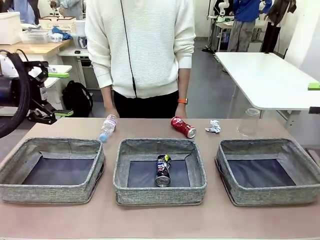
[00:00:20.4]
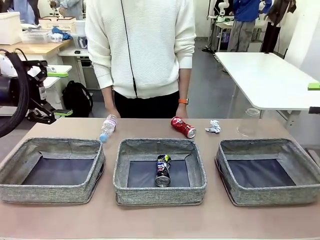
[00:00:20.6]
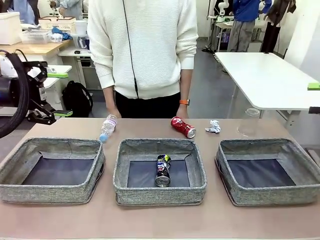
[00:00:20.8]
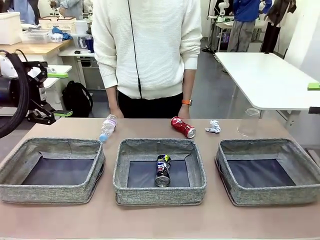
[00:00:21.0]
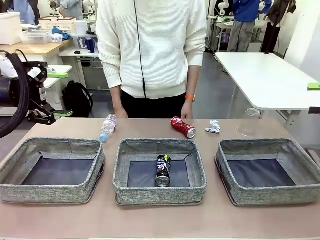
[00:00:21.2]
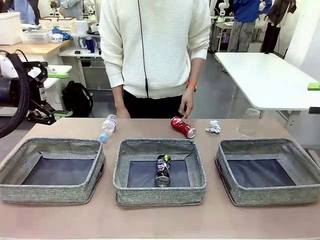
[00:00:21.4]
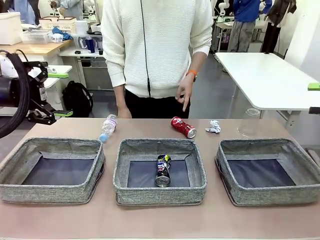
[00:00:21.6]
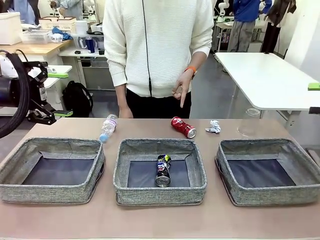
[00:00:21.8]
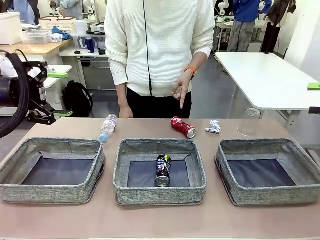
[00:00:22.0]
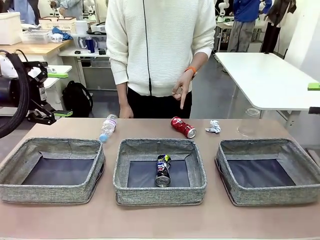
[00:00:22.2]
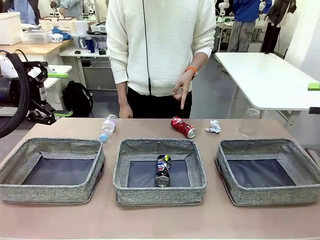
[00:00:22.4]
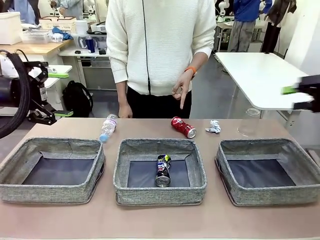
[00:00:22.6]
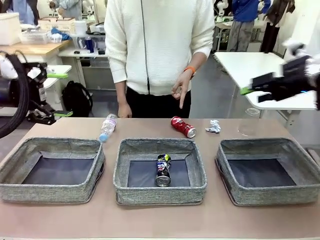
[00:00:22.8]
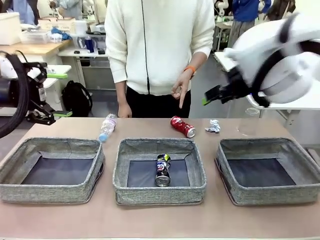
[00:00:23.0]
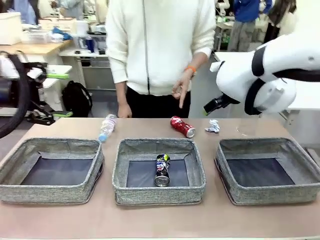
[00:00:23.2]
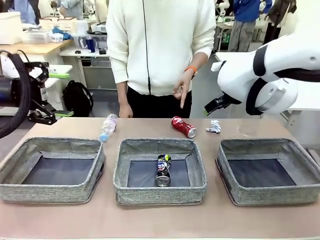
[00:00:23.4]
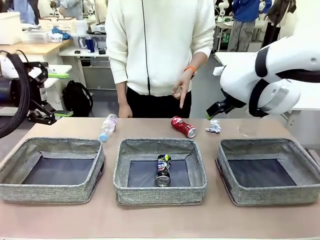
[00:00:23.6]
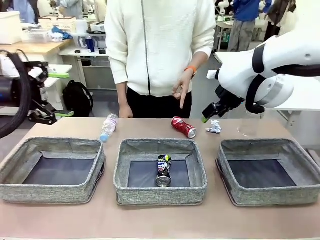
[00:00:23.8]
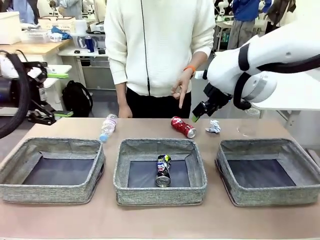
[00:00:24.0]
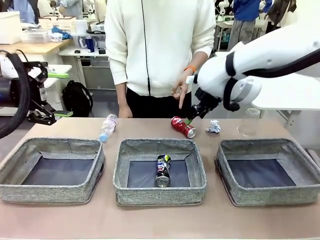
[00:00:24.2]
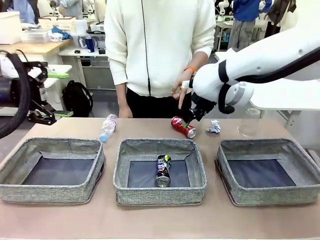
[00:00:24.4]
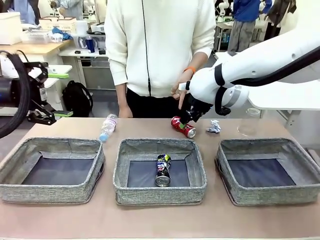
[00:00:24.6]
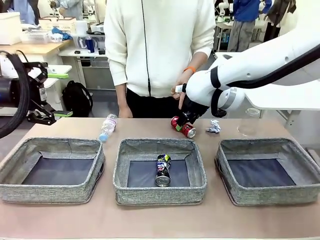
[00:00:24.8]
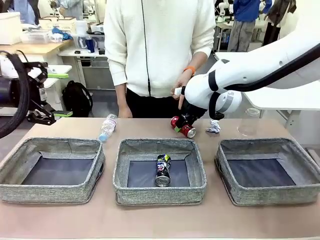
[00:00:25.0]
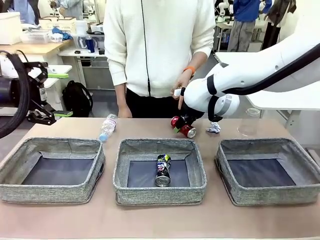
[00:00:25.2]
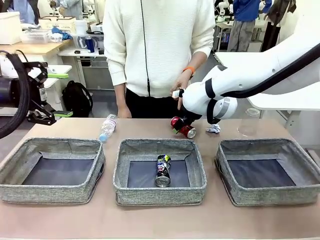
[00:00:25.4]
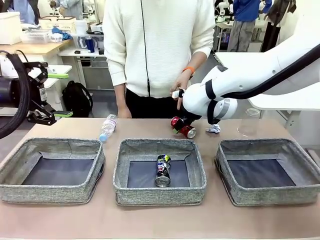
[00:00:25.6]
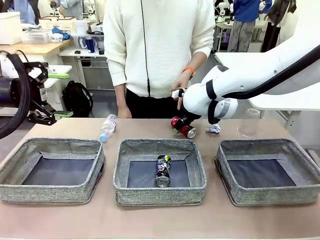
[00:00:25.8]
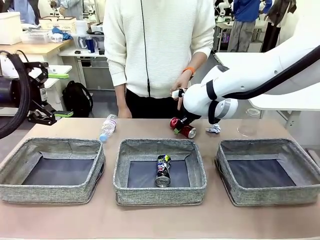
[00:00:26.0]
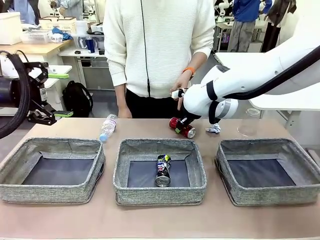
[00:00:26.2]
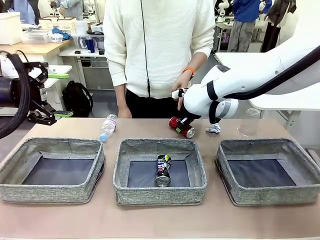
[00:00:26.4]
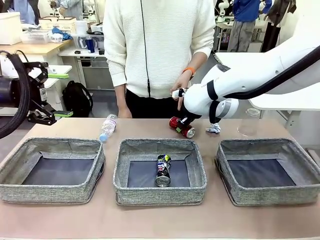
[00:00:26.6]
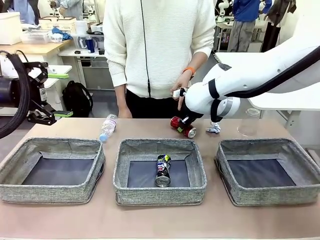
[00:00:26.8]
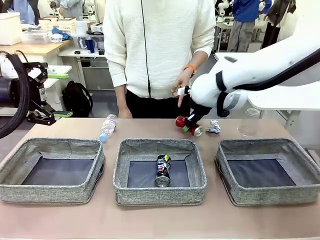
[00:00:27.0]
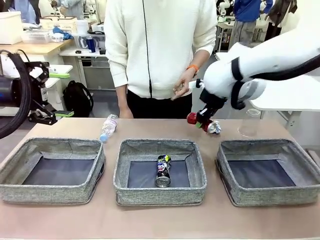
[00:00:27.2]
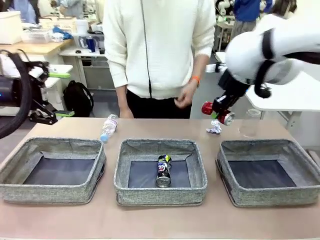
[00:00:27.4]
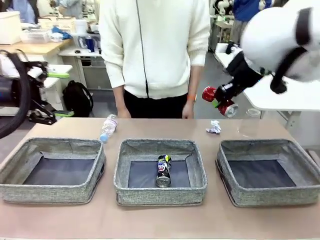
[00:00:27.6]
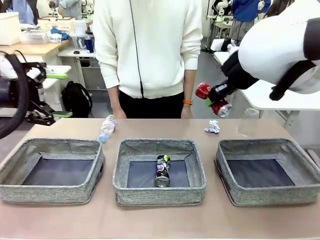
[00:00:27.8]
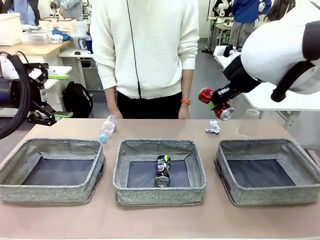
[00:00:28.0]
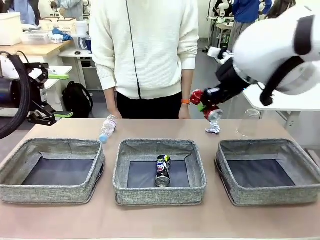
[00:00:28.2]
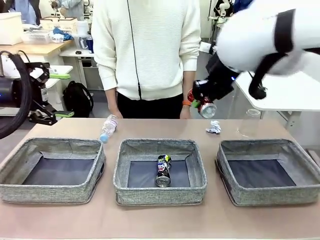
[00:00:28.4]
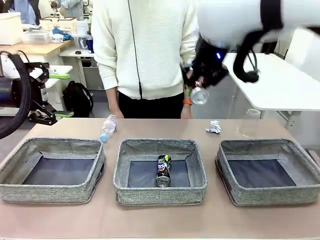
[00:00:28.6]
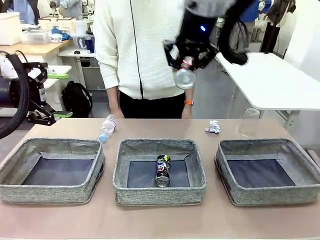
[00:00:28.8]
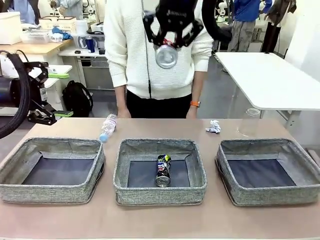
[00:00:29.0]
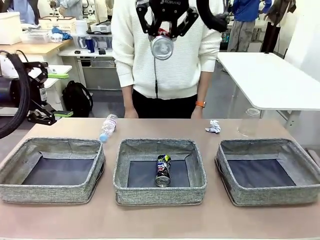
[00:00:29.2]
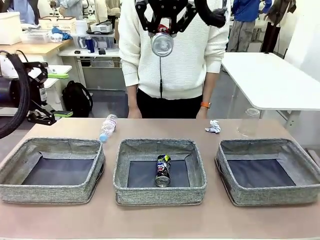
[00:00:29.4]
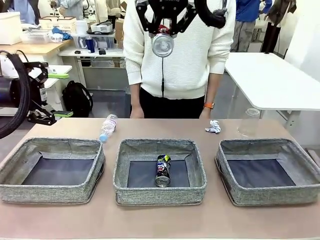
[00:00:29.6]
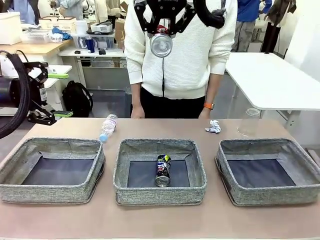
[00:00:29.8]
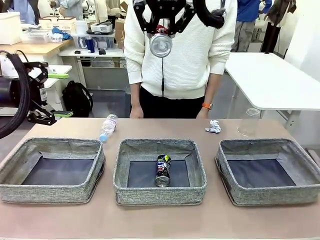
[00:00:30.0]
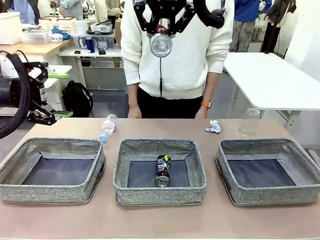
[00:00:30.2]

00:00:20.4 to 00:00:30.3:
Task: Sort the waste into the appropriate baskets.
Robot: Pick up the waste item pointed out by the person.
Person: Points to one piece of trash on the table.

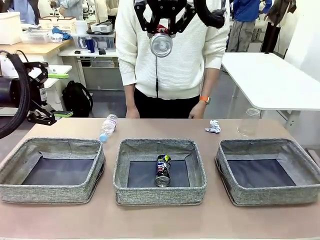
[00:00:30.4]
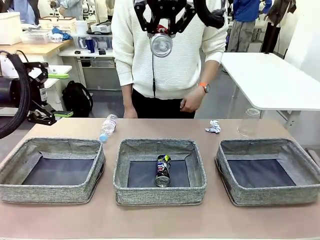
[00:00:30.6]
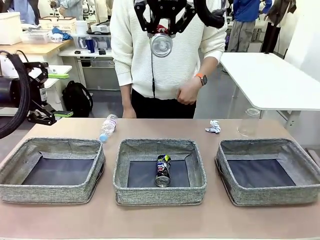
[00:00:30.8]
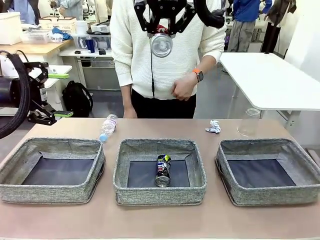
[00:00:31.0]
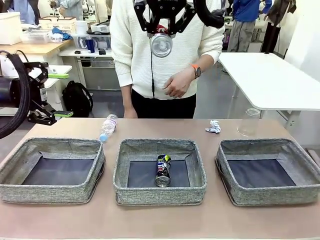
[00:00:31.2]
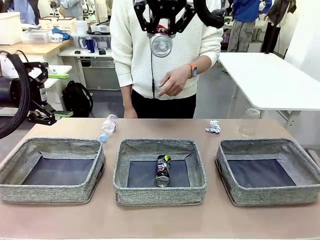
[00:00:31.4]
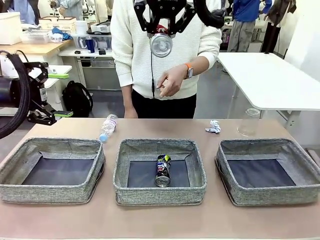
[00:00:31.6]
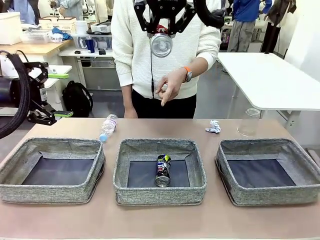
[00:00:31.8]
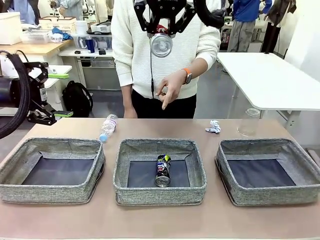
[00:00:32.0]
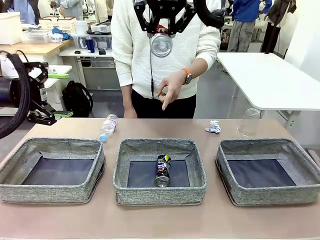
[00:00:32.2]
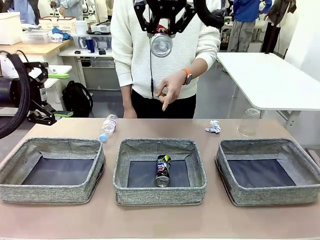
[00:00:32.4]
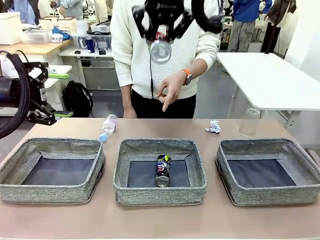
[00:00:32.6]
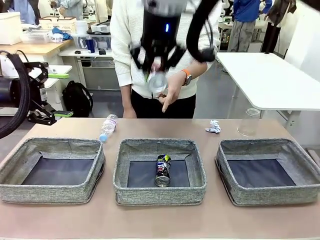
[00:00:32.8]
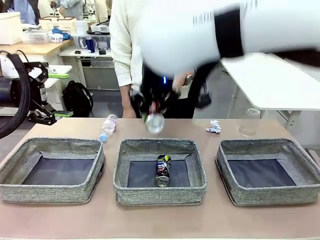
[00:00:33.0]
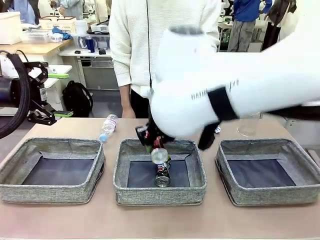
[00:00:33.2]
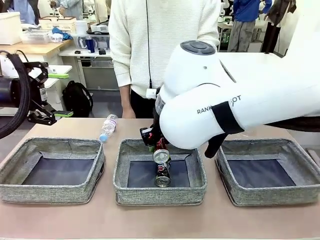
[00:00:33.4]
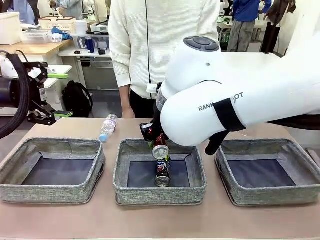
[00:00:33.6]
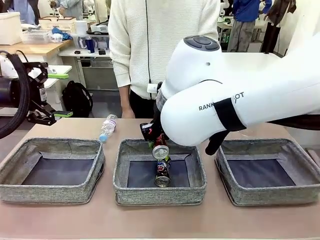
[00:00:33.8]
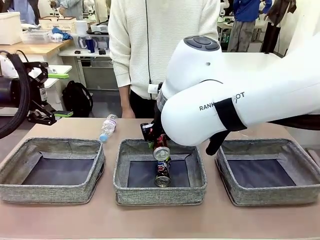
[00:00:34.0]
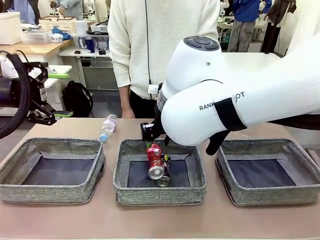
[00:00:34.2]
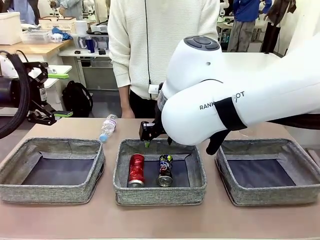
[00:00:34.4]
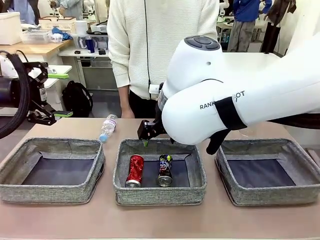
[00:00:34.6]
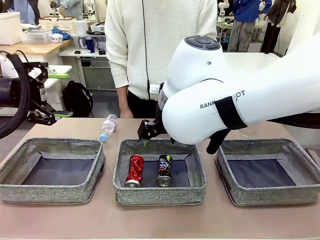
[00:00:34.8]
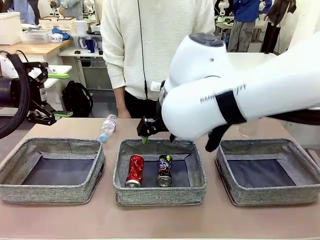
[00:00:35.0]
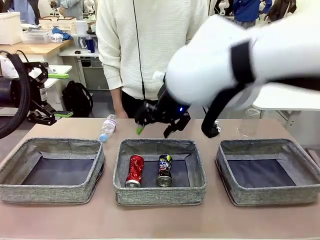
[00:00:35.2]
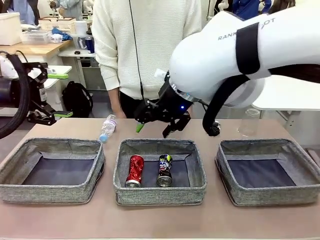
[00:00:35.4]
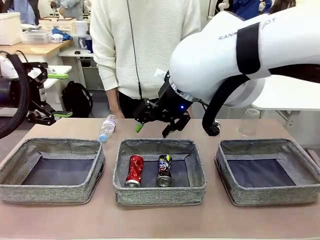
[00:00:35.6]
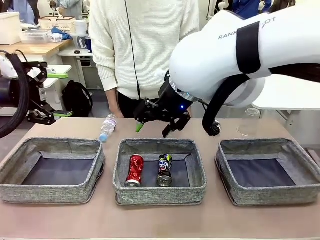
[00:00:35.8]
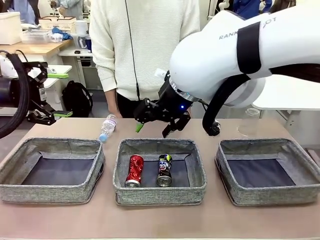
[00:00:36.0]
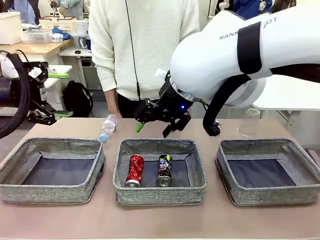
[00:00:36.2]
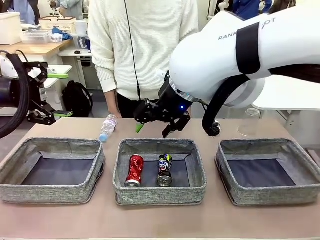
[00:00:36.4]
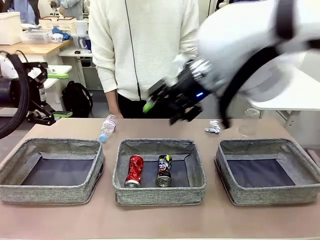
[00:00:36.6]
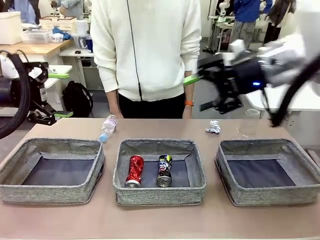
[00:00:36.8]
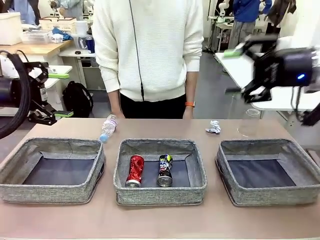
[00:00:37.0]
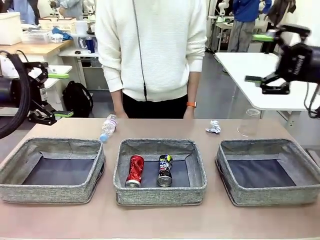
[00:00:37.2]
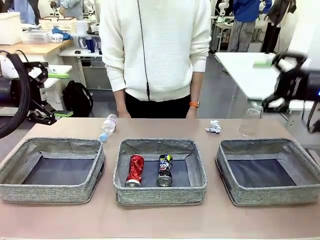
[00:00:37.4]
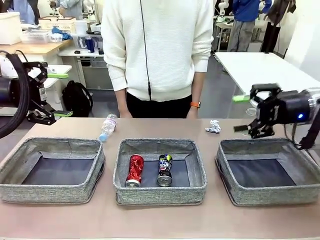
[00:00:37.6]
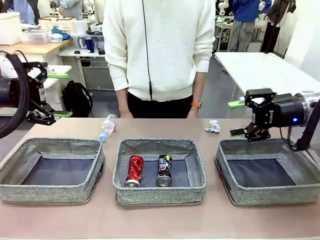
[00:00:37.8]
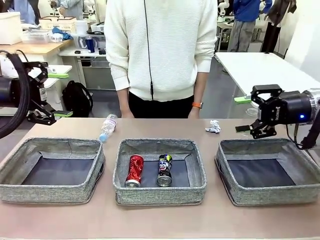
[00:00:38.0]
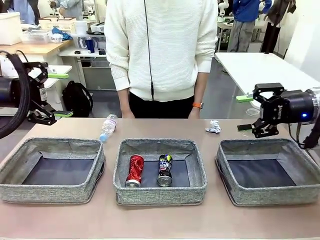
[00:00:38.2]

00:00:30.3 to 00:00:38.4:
Robot: Place the picked waste into the Fabric basket indicated by the person.
Person: Instructs the robot to place the picked-up trash into the appropriate organizing basket.
